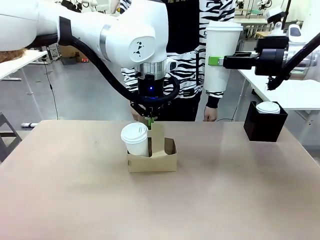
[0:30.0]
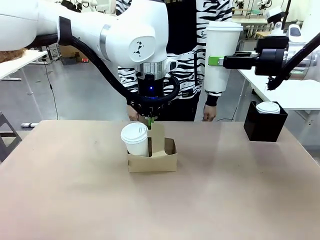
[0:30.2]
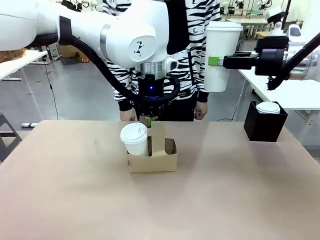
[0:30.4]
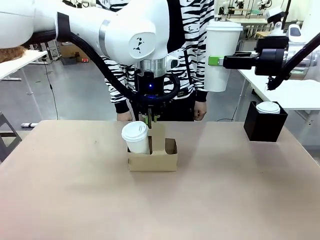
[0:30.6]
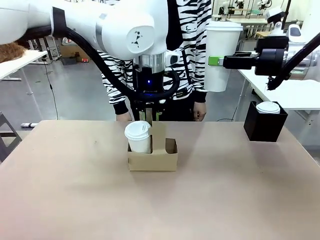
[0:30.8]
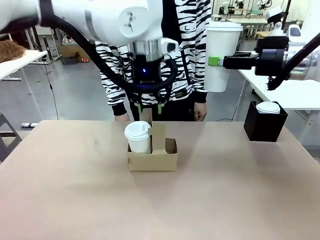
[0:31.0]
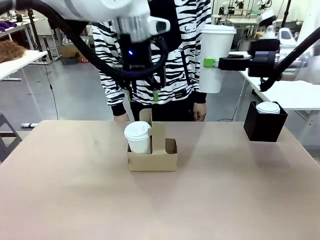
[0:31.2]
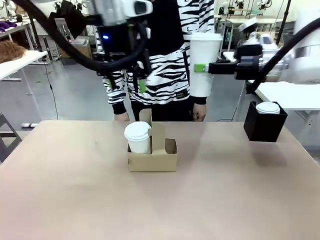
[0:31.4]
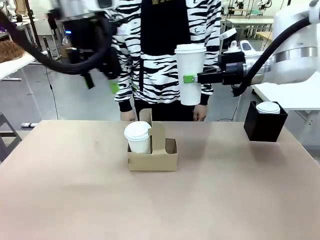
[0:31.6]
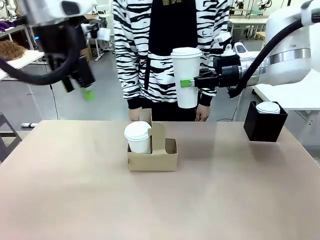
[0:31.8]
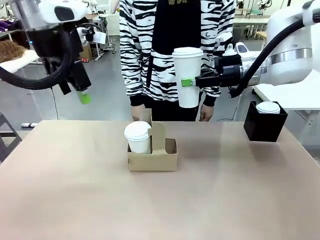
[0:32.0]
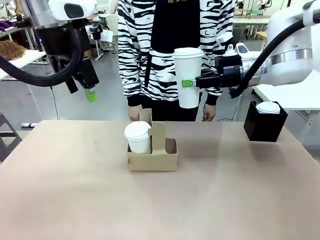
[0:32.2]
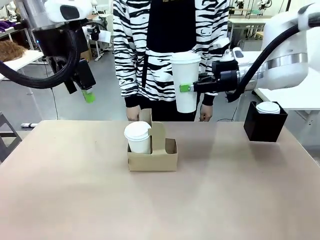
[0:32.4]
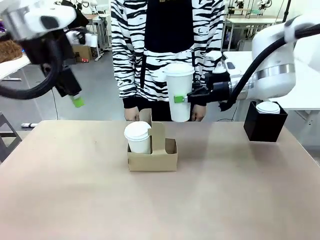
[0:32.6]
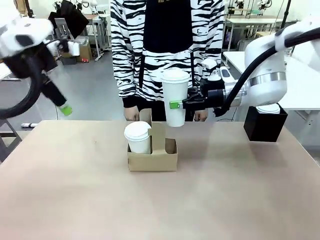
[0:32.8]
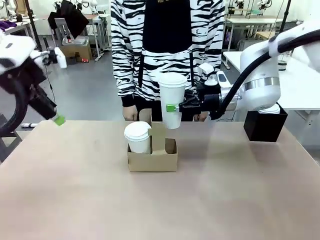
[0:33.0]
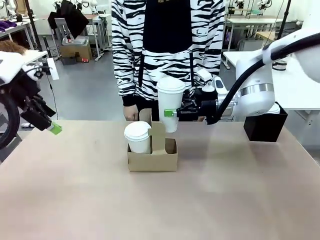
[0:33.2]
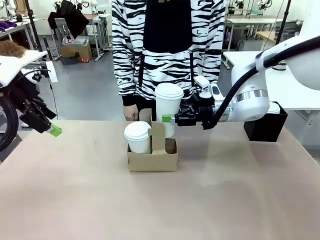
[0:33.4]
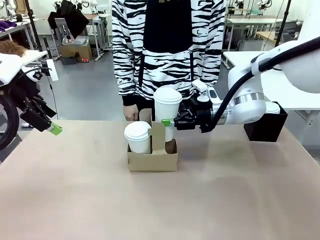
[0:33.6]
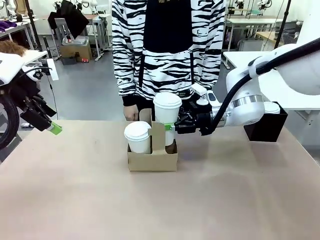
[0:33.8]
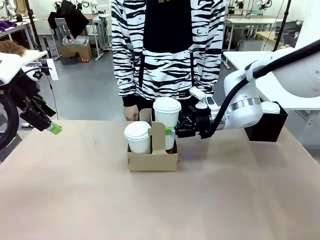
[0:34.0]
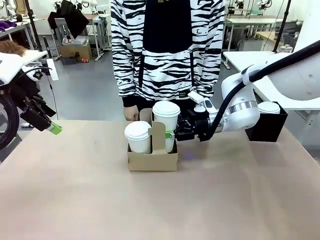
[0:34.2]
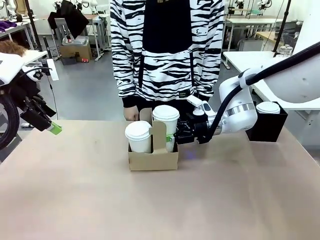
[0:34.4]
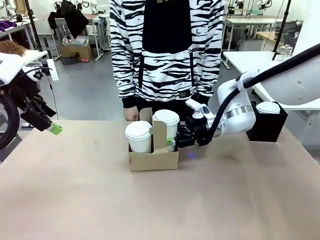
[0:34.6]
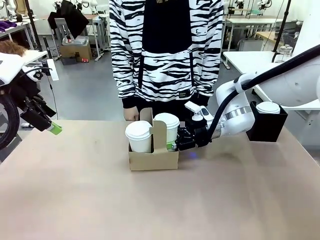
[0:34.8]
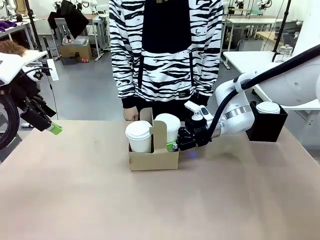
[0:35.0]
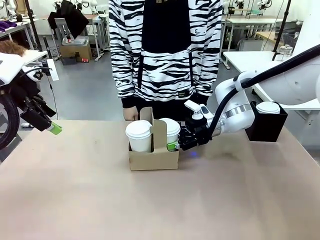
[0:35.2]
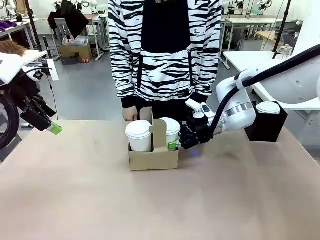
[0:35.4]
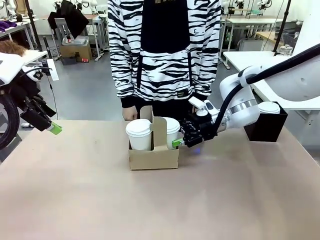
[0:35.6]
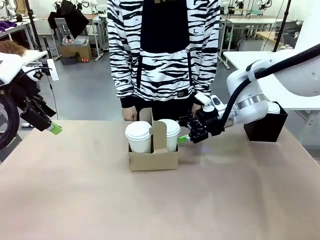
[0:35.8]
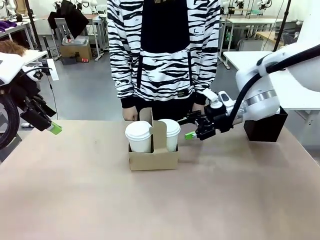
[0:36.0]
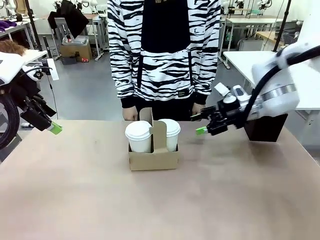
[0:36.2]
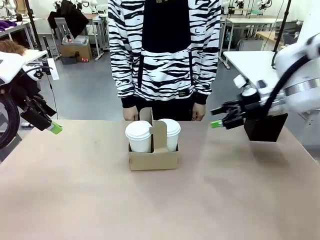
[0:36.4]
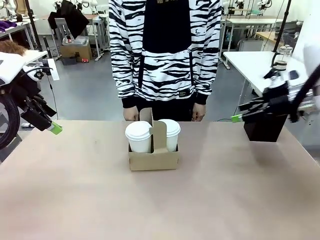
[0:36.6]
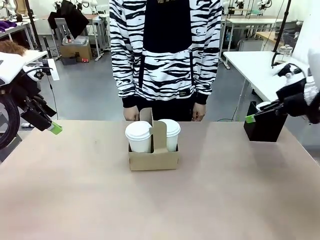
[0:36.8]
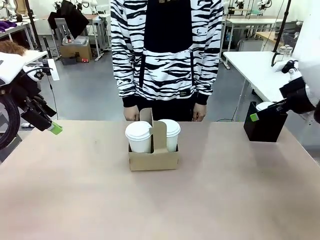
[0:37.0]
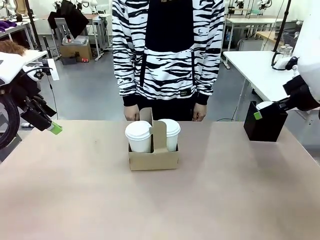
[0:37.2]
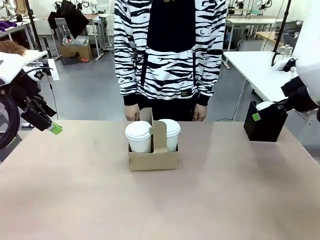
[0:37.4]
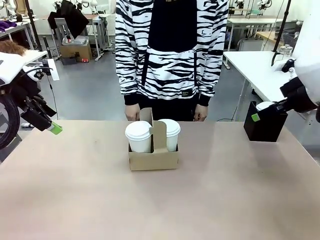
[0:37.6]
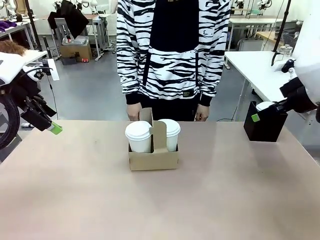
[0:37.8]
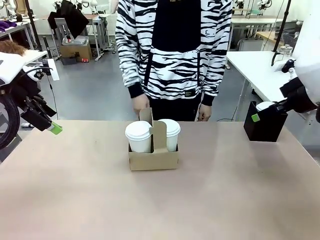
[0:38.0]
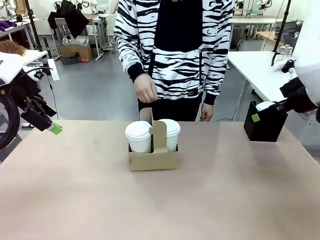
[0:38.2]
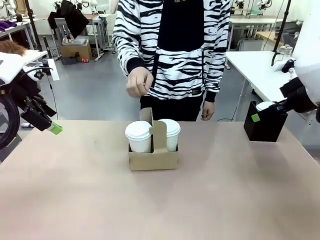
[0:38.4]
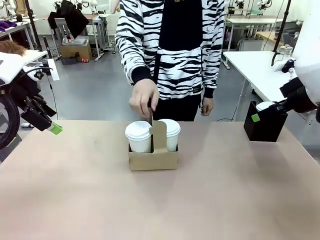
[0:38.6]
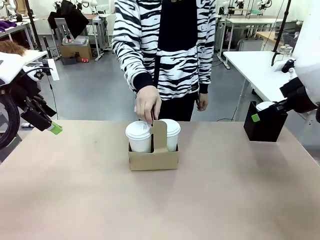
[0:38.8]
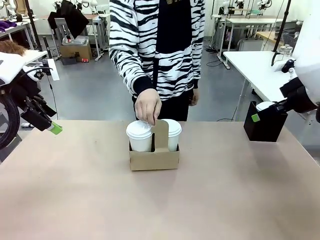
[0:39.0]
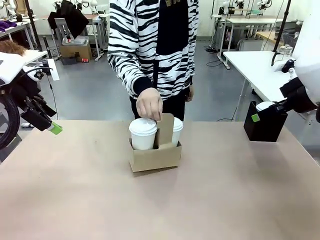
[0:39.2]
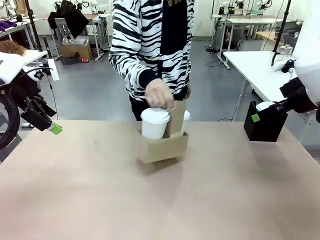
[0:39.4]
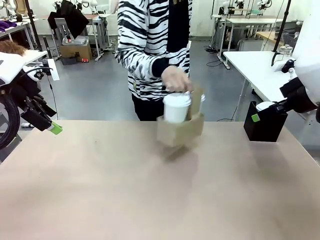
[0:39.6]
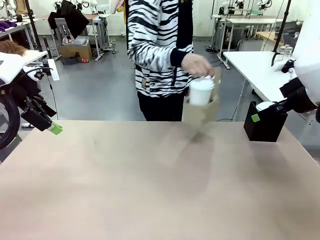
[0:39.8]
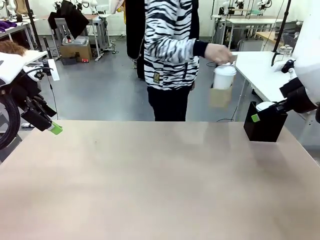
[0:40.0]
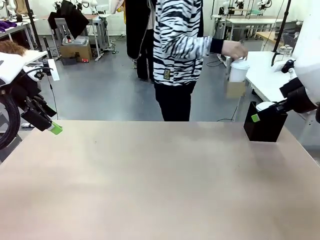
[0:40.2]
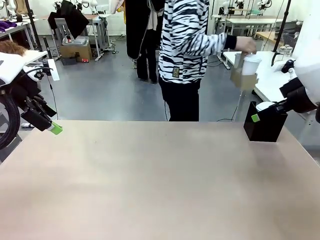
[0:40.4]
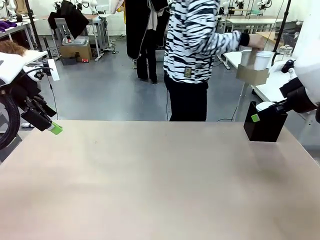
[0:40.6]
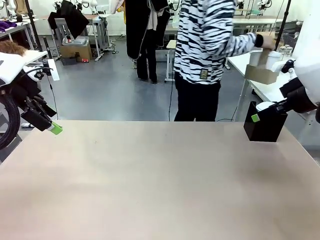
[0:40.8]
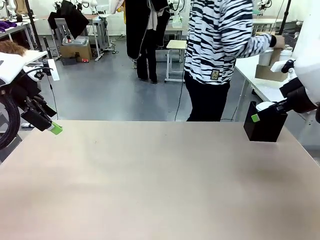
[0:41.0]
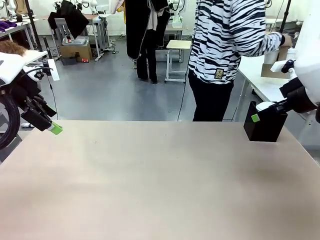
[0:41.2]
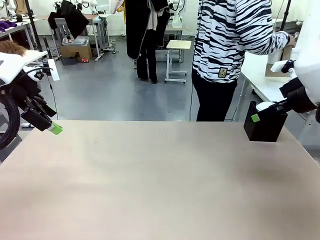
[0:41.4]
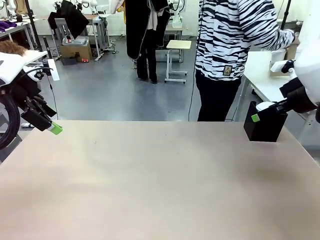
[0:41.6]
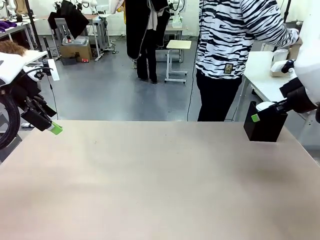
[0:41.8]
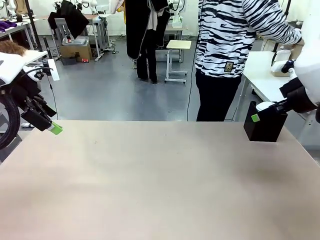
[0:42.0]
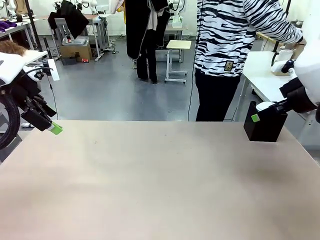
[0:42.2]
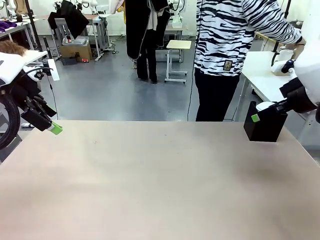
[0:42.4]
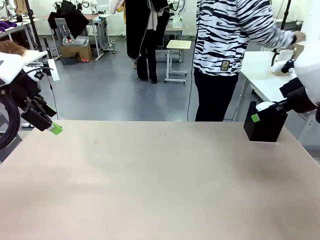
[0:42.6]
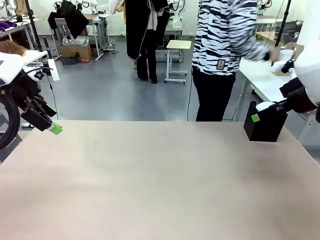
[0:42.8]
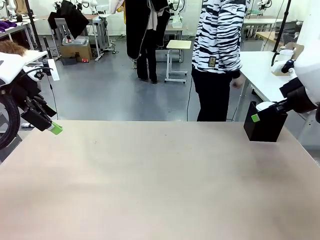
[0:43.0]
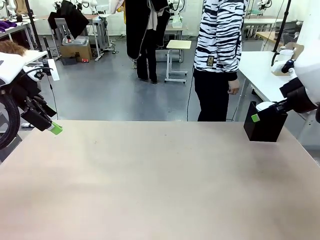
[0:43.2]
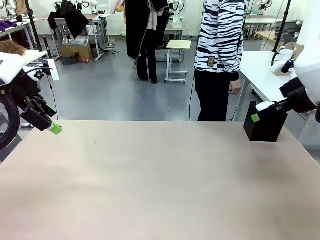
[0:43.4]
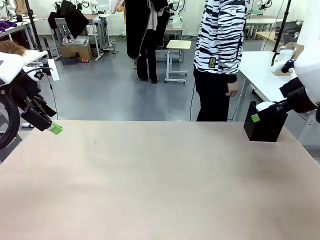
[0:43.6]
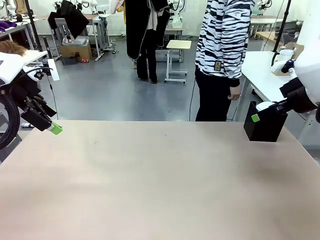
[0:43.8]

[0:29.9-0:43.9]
Task: Pour a drink into a cup and package it in a carrier.
Robot: Insert the held 600 ml Paper Cup into the Cup Carrier.
Person: Place the Cup Carrier to the middle of Human table.
